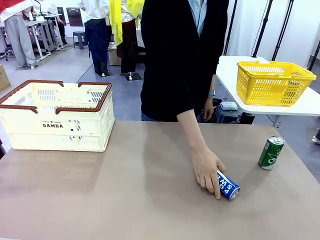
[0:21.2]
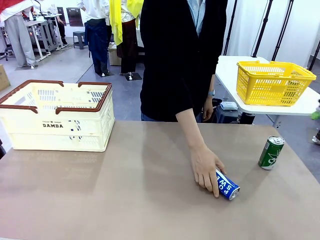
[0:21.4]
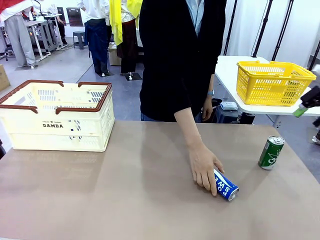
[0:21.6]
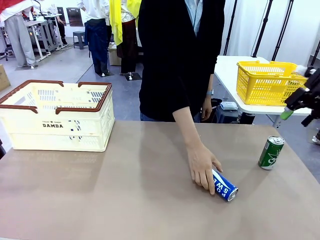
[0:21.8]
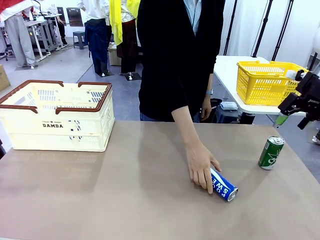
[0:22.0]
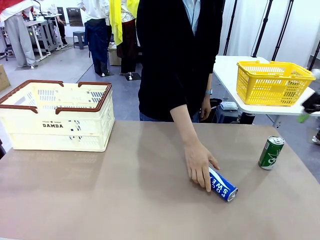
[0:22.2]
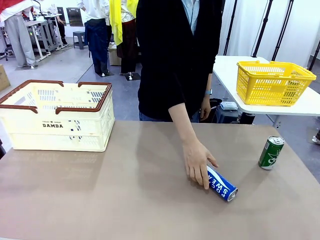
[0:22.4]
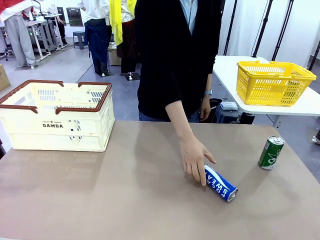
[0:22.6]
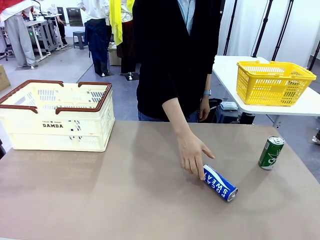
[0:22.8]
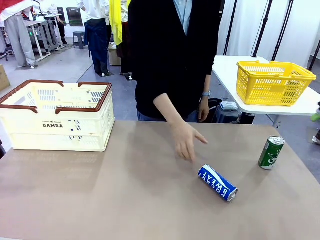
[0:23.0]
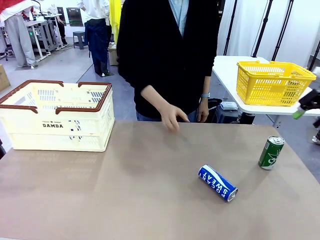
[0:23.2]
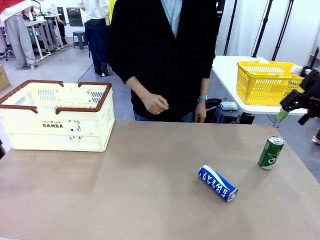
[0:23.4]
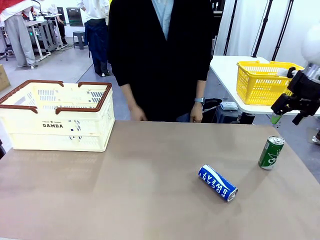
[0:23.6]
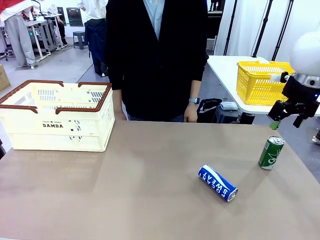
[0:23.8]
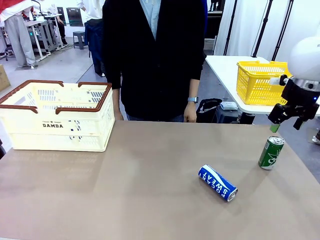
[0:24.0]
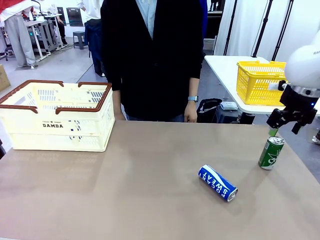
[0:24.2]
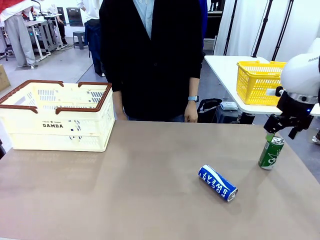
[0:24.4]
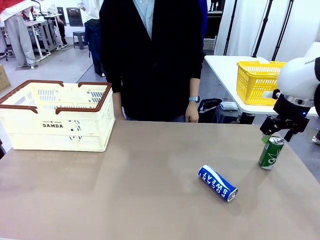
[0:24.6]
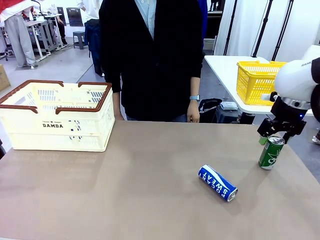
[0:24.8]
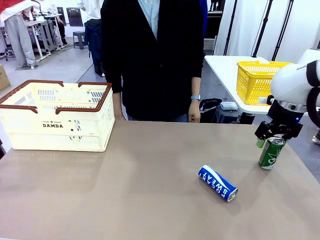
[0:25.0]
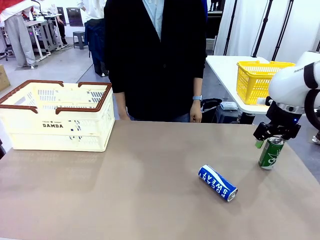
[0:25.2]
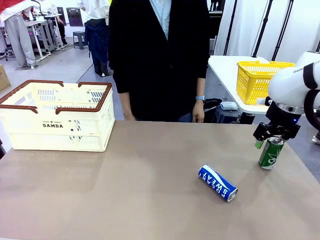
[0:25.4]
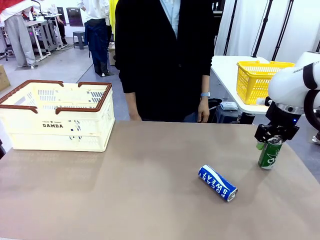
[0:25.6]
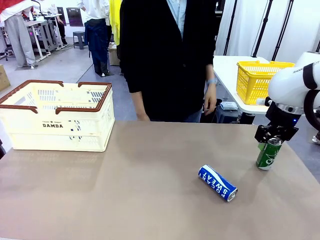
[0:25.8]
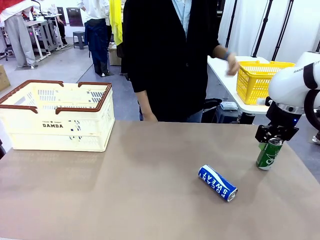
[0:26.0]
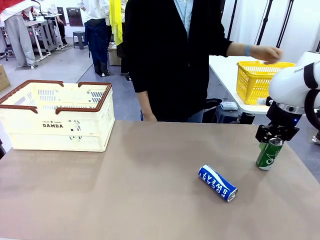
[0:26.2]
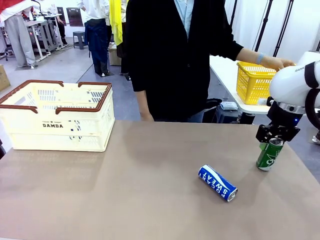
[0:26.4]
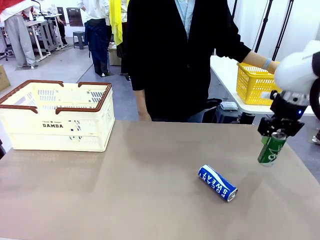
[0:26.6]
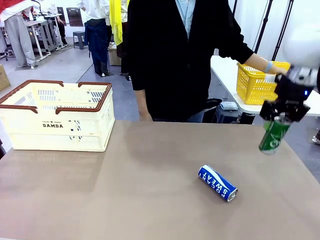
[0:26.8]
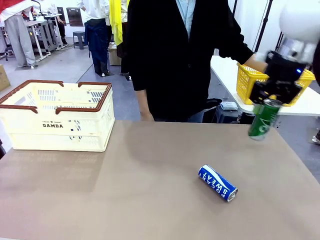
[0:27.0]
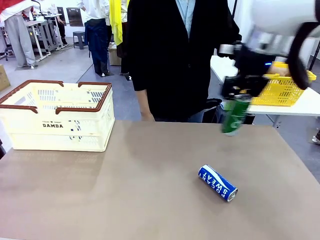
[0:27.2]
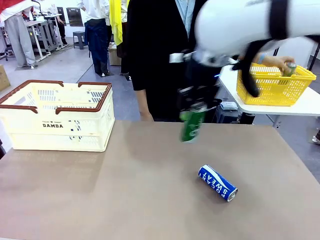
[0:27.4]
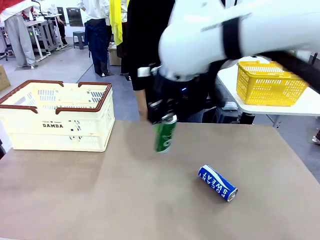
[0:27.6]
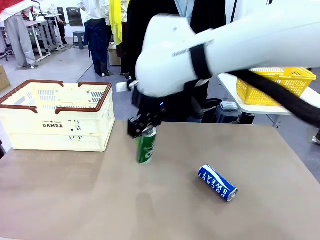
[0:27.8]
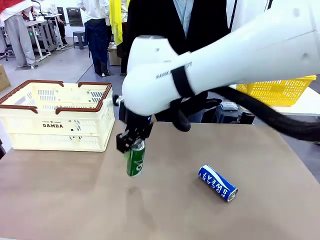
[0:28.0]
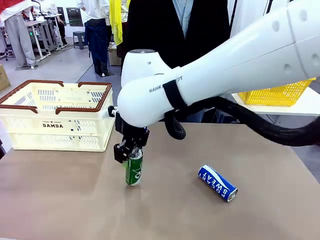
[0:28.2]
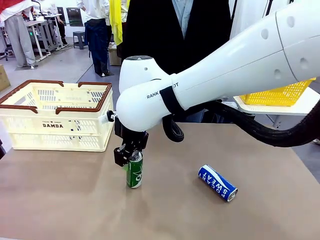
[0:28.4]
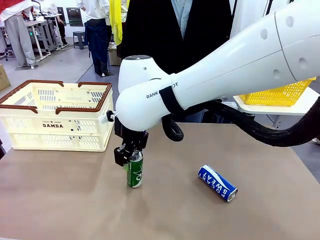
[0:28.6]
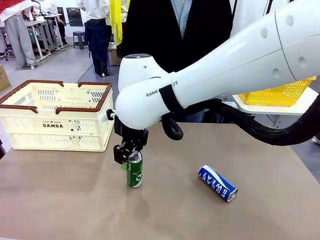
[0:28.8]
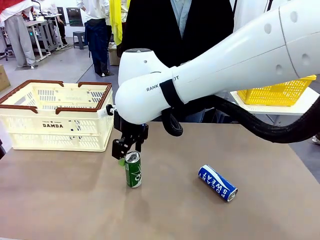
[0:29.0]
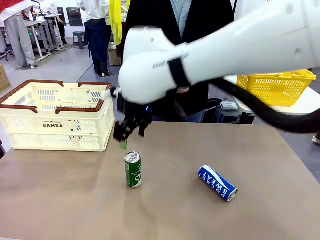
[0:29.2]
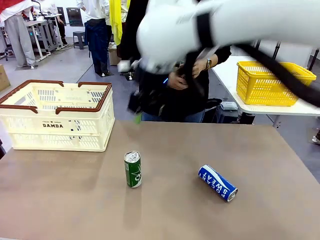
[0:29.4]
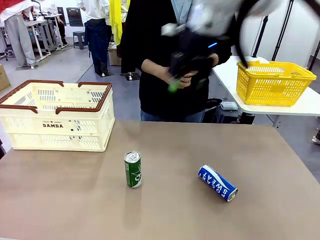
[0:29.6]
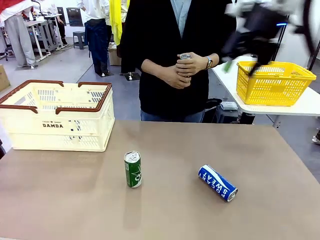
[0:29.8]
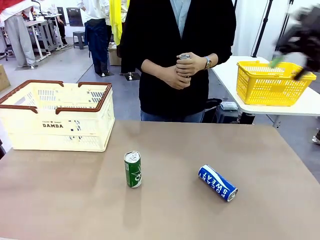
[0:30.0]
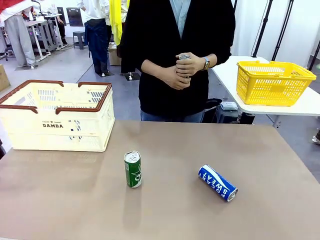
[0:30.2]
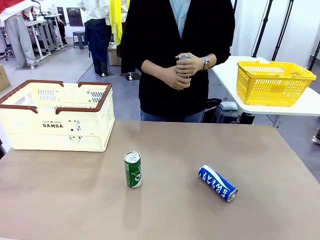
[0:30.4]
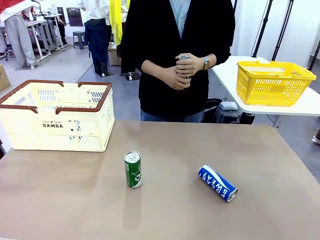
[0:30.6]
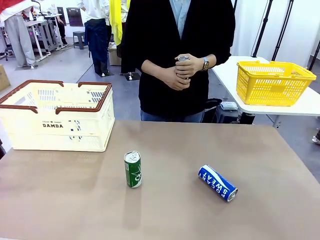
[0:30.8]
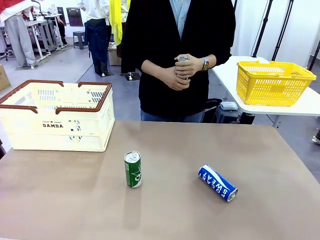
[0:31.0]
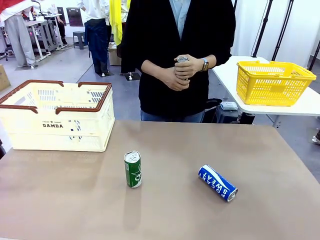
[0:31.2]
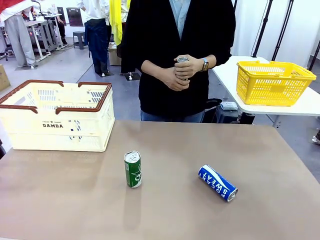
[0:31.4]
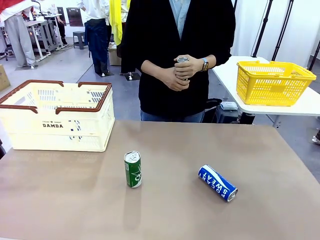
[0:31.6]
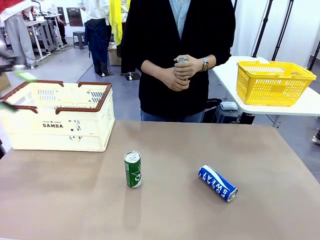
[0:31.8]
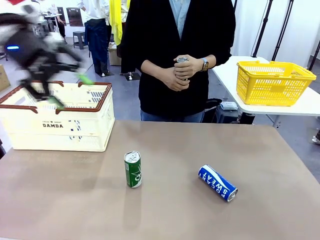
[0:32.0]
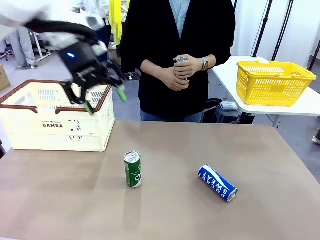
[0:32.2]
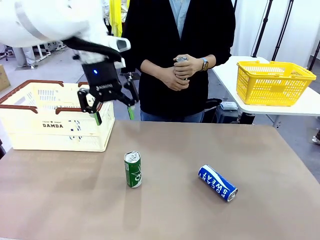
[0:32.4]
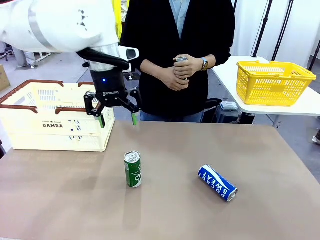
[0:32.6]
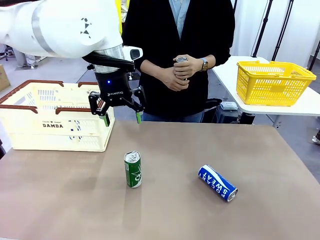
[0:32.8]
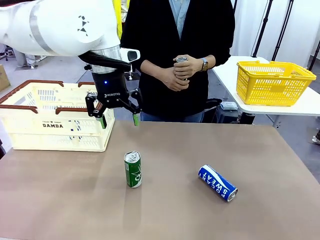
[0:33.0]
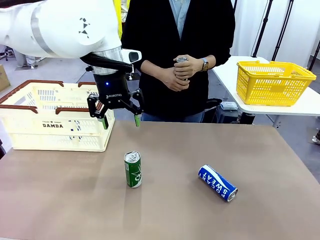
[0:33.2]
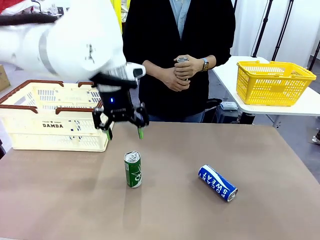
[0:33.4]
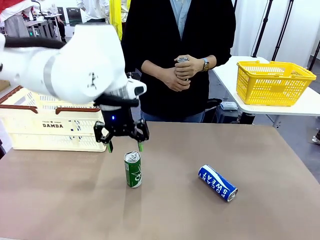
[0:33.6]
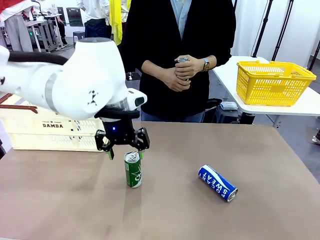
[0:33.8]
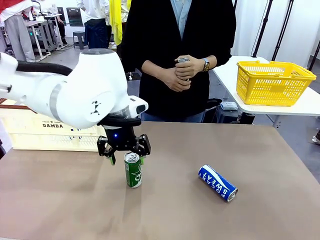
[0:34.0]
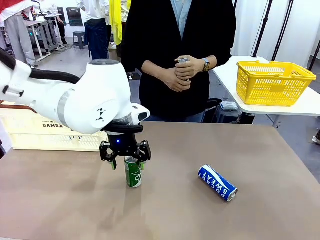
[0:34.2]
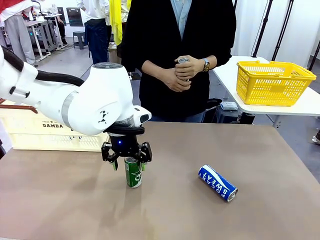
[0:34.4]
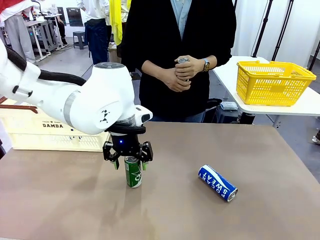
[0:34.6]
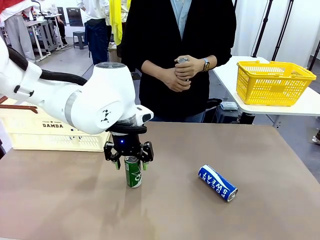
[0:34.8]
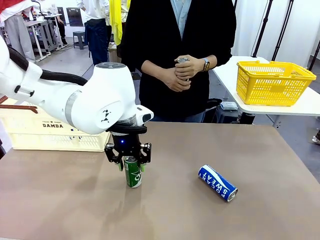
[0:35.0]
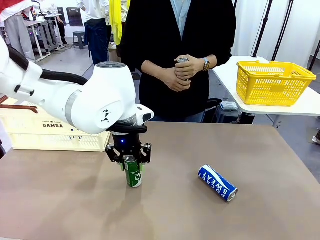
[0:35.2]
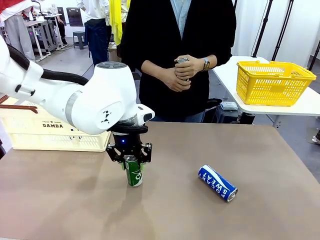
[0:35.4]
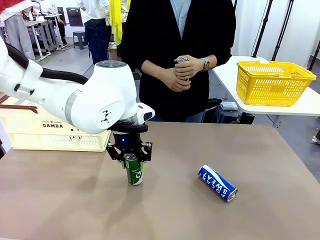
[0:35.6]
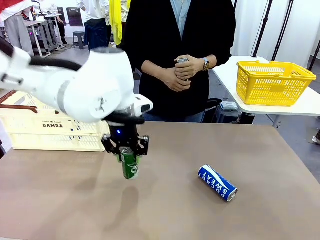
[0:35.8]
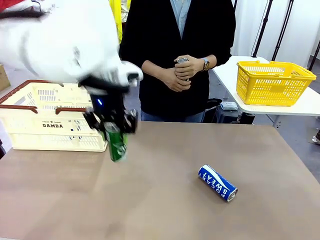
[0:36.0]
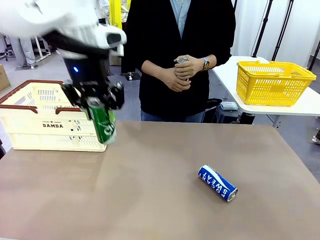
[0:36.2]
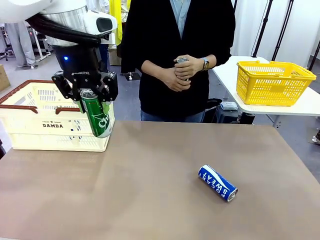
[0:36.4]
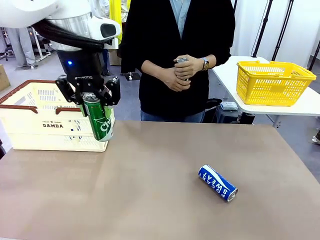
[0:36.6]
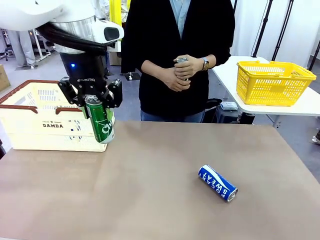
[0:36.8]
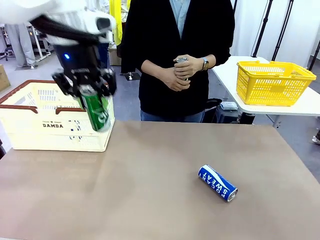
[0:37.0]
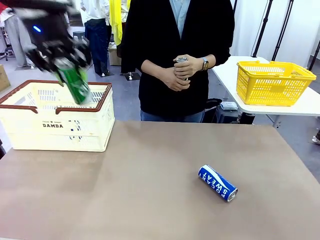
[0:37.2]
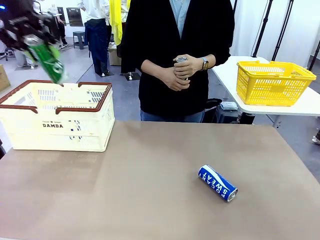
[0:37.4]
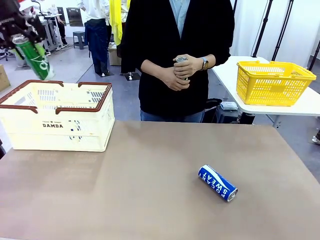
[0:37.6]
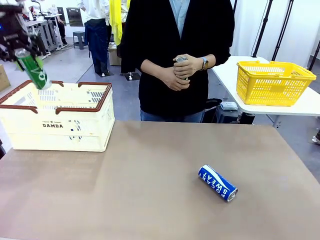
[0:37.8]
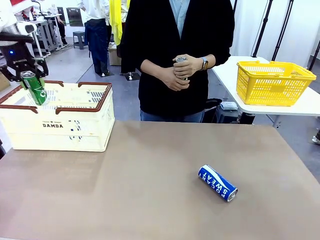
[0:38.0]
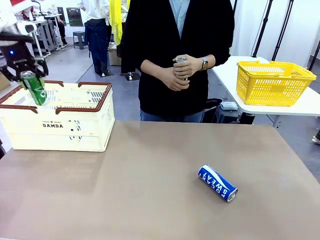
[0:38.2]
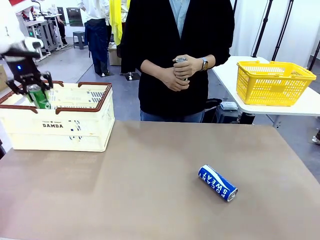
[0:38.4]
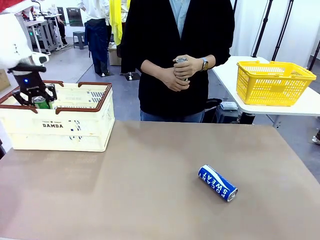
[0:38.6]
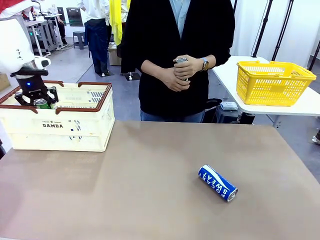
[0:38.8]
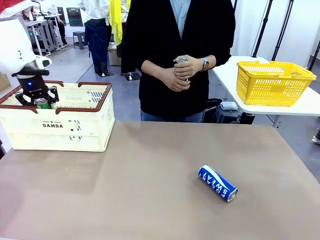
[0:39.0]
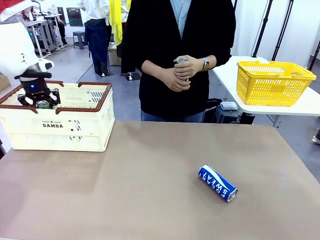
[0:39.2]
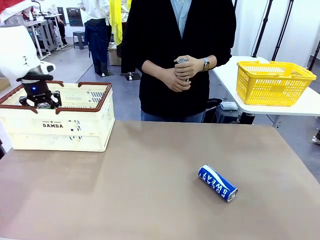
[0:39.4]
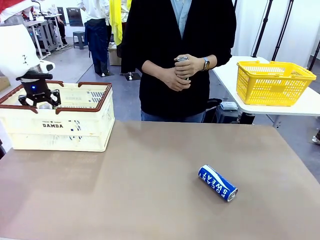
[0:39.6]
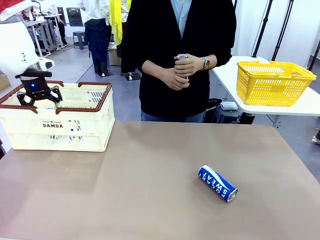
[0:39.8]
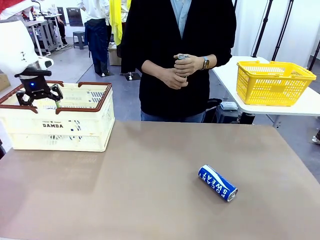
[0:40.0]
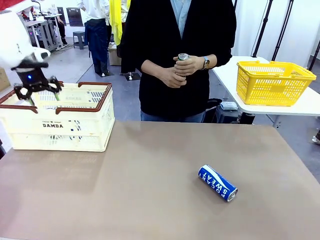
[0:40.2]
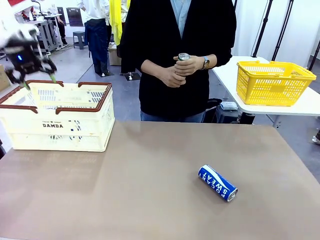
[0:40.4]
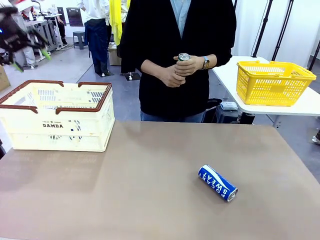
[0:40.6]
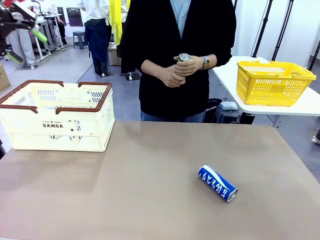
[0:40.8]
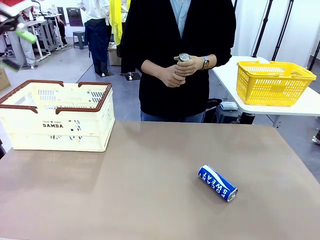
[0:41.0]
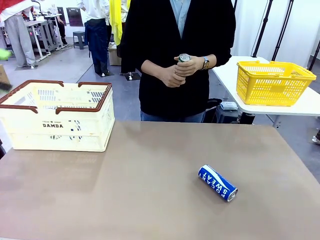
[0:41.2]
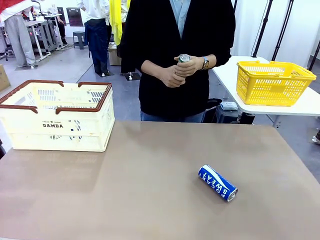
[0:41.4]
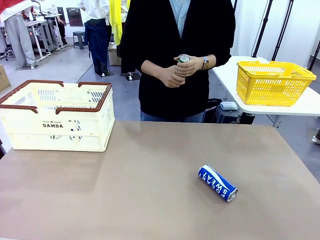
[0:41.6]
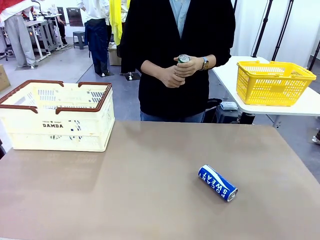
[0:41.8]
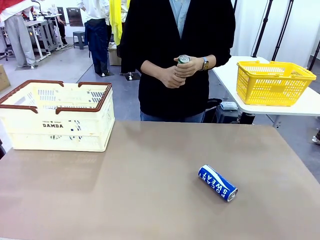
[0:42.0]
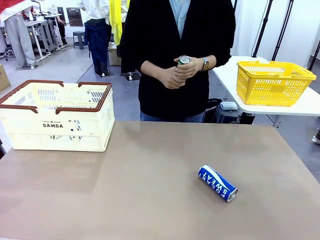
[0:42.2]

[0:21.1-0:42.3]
Task: Place the drinks into the Shopping basket.
Robot: Pick up one drink and place it into the Shopping basket.
